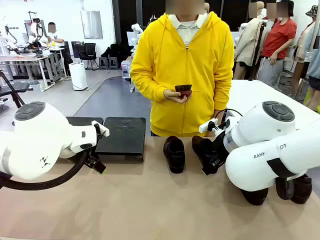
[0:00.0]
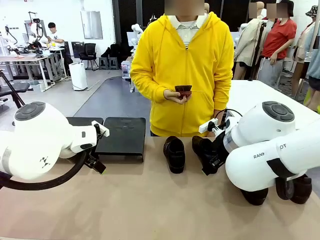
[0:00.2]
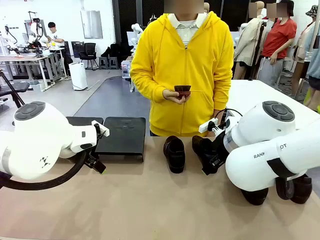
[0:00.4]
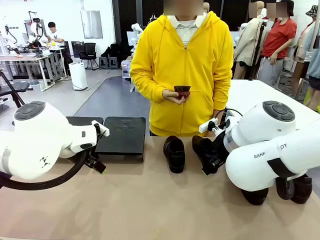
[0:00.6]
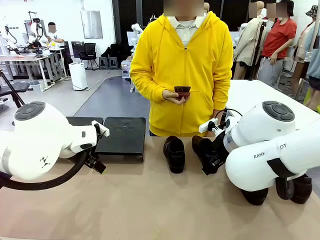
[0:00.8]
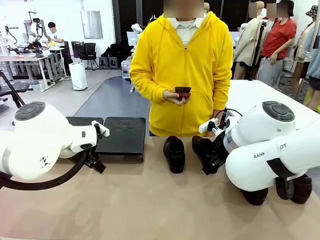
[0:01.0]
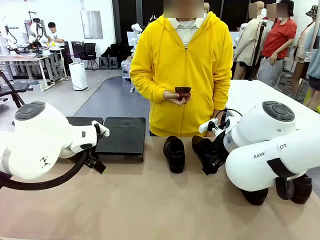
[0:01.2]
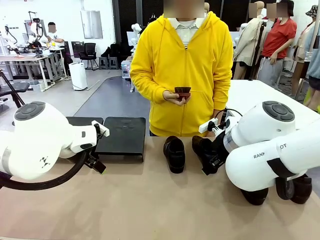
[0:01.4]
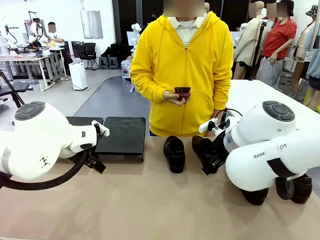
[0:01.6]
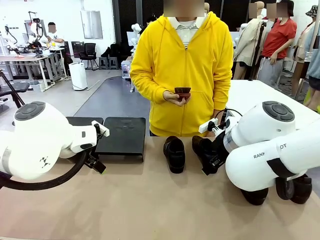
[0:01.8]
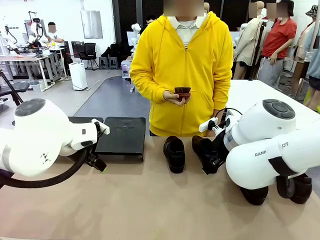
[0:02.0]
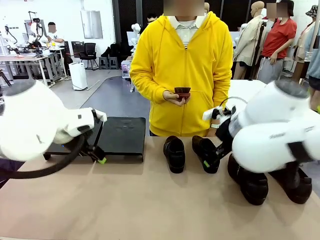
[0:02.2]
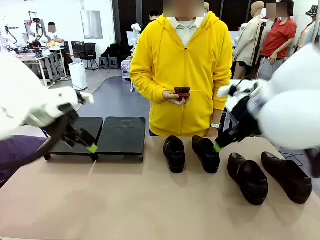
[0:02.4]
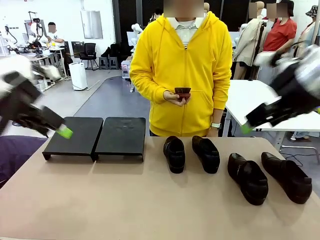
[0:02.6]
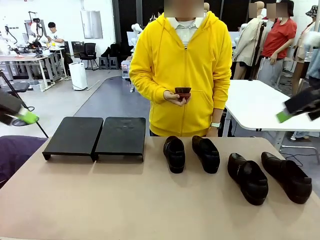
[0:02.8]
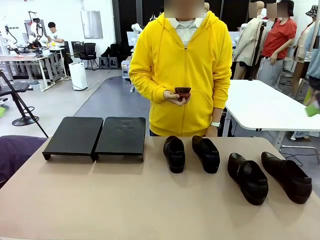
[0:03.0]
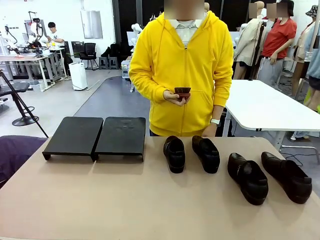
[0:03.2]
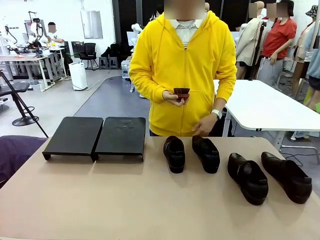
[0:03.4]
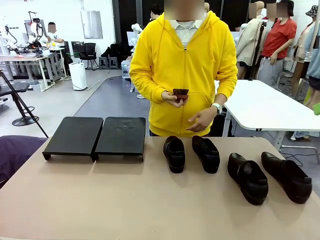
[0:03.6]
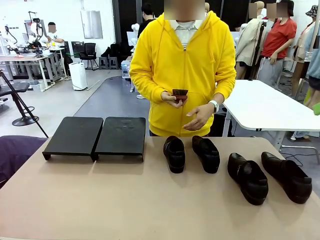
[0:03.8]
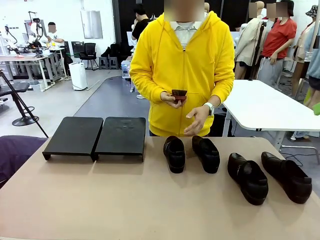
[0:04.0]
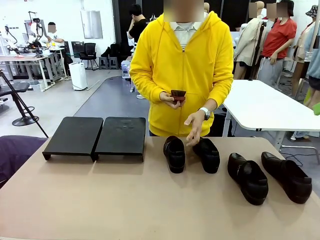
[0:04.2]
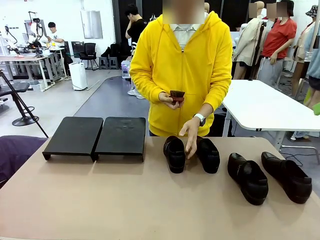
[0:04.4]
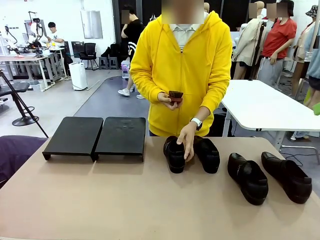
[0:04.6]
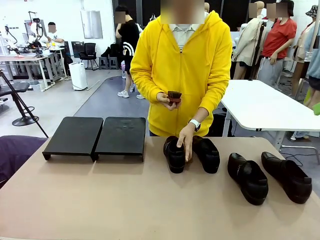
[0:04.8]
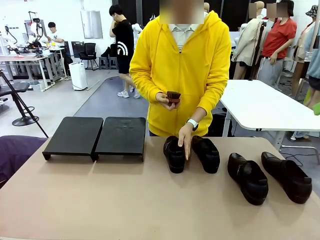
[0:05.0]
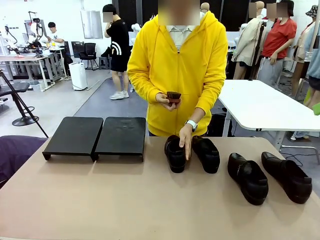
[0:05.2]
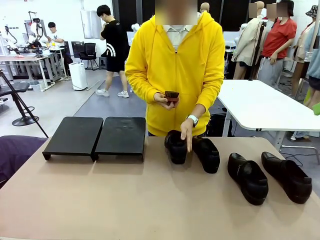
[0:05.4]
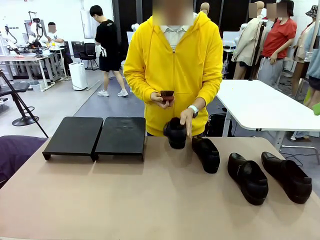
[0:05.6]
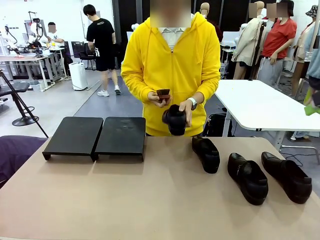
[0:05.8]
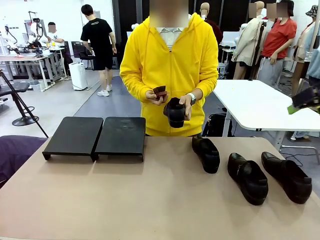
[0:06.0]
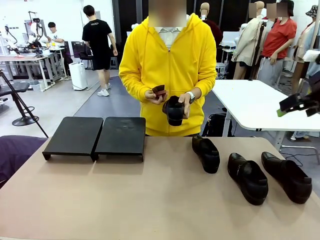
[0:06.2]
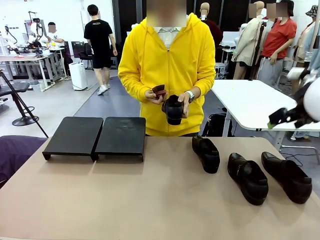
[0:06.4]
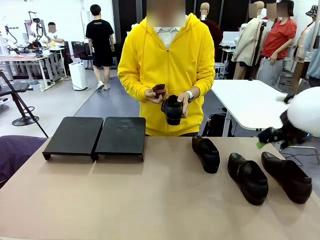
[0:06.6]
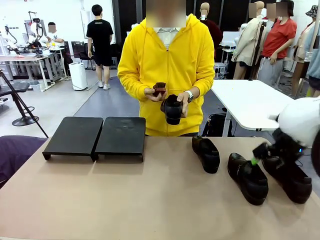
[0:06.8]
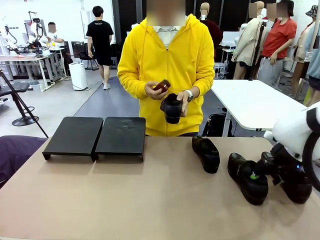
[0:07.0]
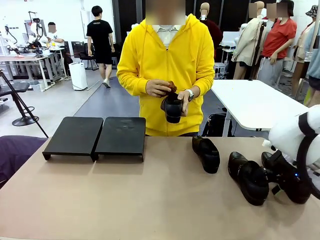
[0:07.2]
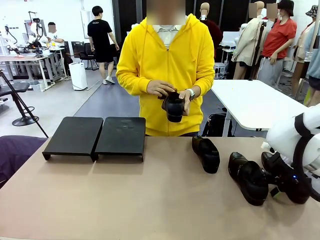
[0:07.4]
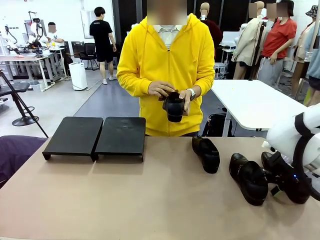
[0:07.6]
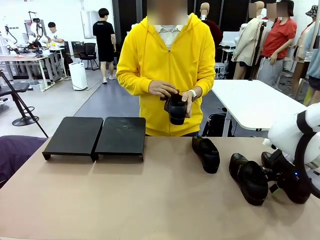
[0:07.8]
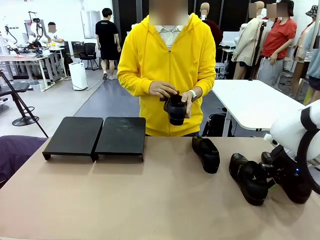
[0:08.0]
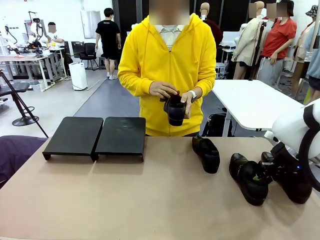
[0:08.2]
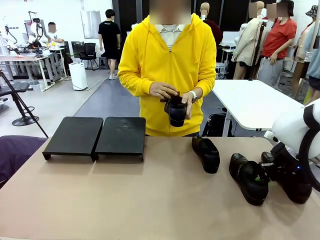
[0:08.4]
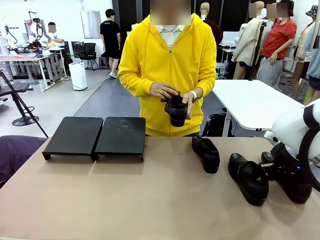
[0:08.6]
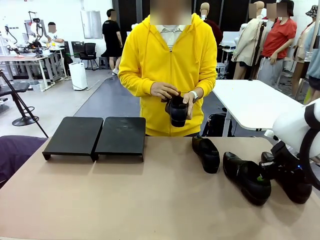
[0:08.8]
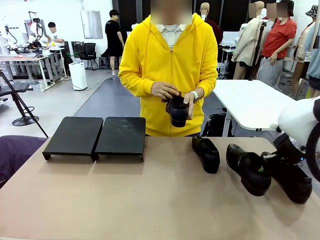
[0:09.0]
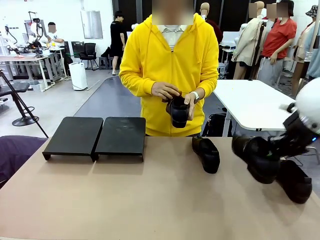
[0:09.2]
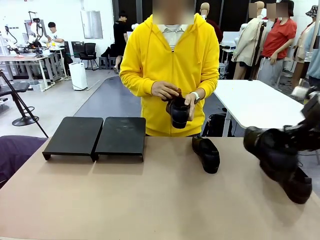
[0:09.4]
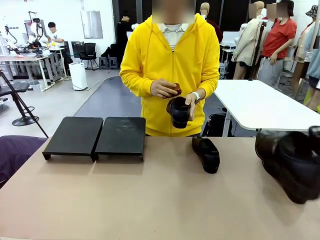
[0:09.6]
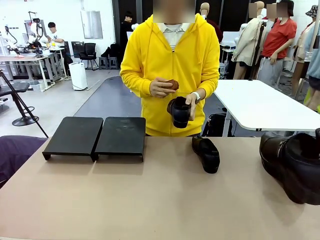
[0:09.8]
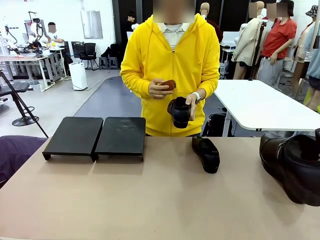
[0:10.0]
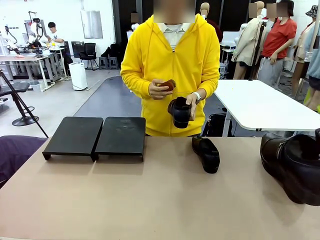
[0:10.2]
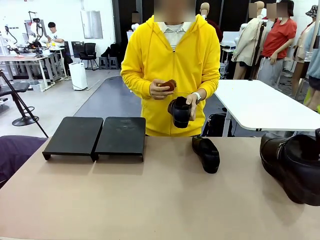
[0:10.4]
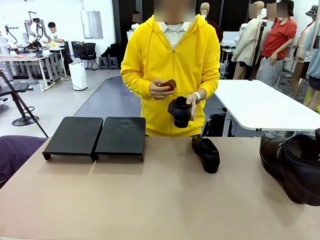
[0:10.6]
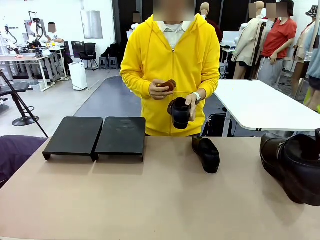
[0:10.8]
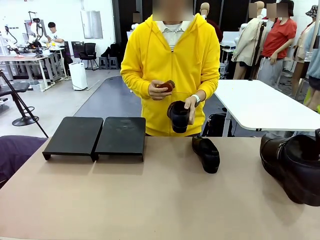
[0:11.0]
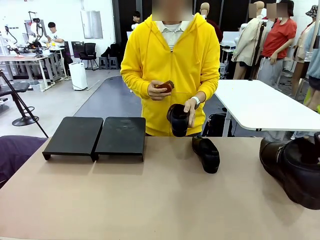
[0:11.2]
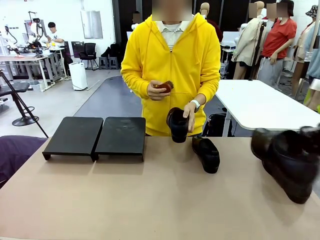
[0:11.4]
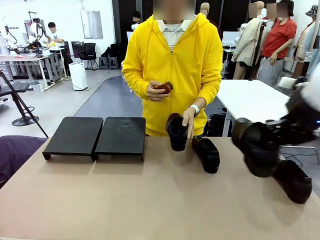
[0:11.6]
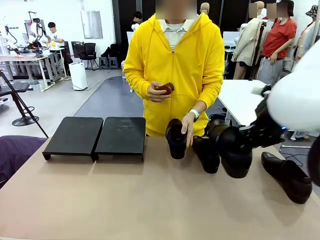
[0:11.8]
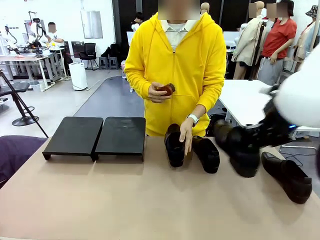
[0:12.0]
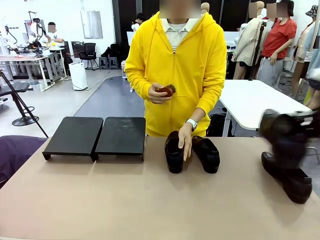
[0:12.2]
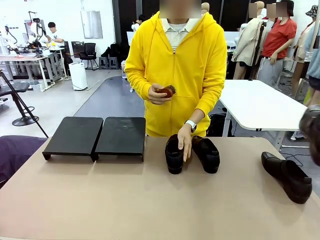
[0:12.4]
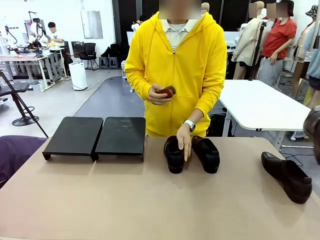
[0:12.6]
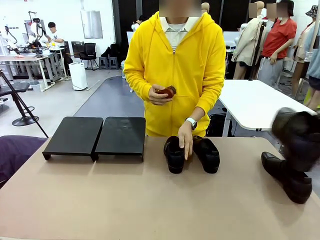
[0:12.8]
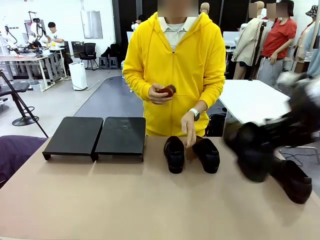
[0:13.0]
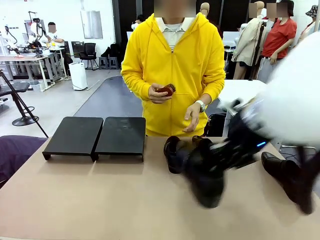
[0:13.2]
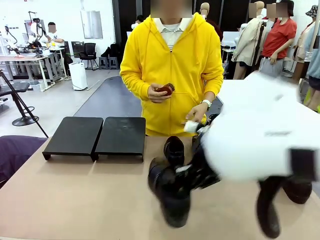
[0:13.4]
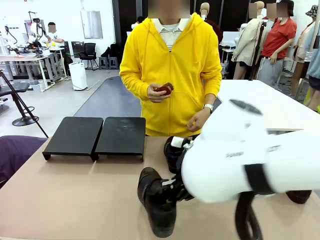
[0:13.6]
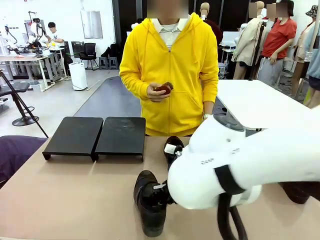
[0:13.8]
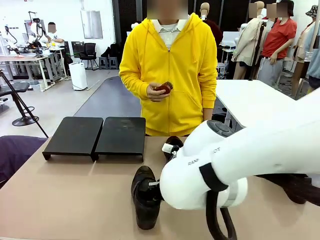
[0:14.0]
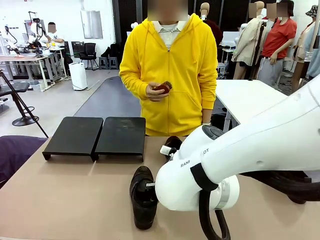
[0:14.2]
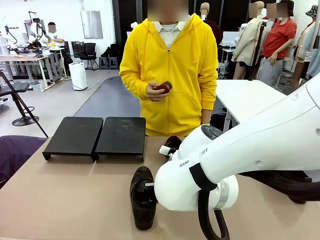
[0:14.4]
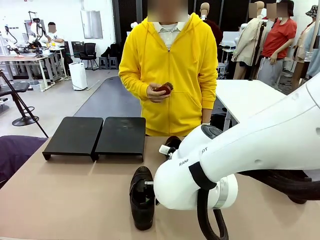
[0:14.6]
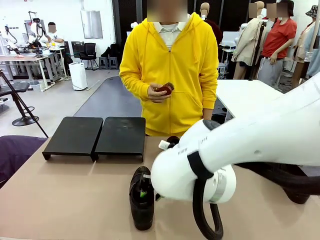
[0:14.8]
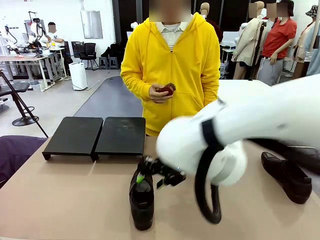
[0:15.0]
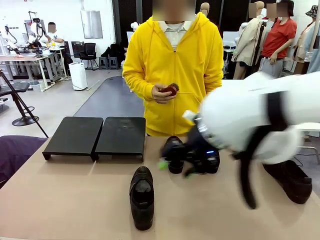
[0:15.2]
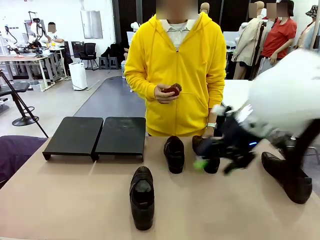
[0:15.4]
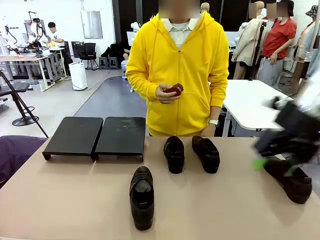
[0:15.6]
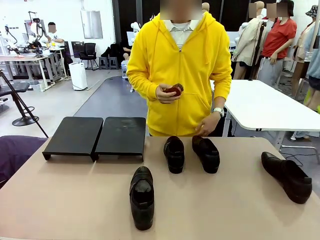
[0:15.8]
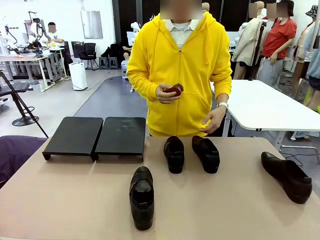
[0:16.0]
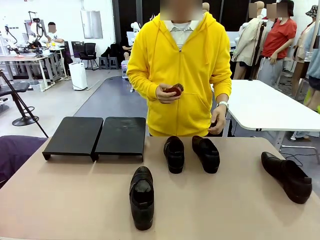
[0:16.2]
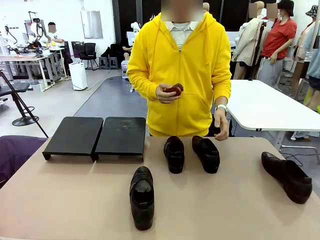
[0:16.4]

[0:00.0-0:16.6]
Task: Organize the shoes by placing them on the stand.
Robot: Pick up one Shoe and place it in the middle of the table.
Person: Pick one Shoe on Robot's table. Clean the Shoe with the Shoe Brush. Place the Shoe on left side of the Robot's table.
